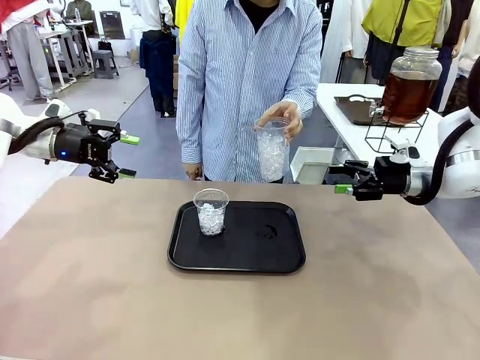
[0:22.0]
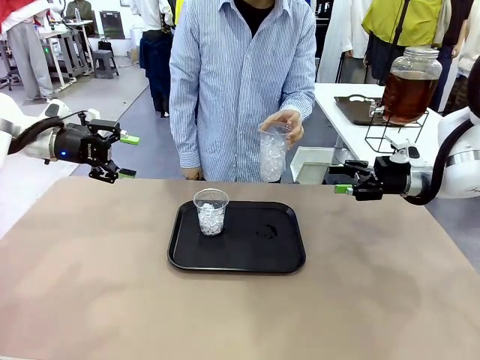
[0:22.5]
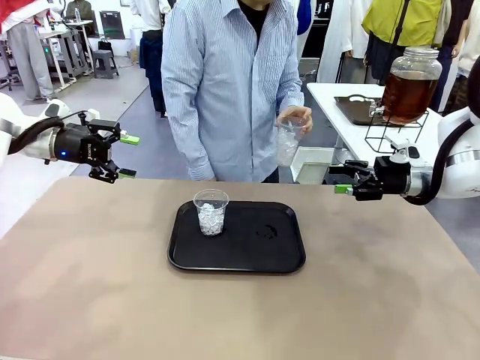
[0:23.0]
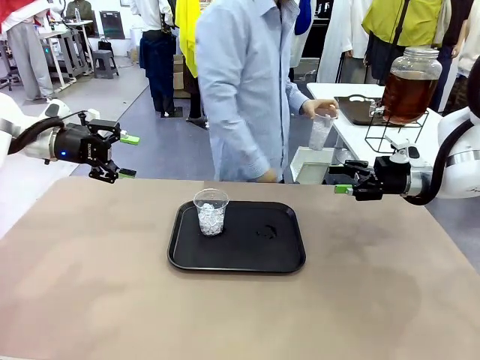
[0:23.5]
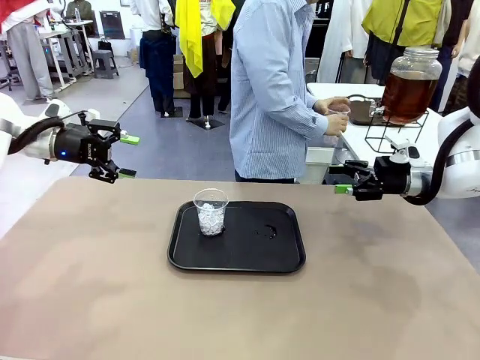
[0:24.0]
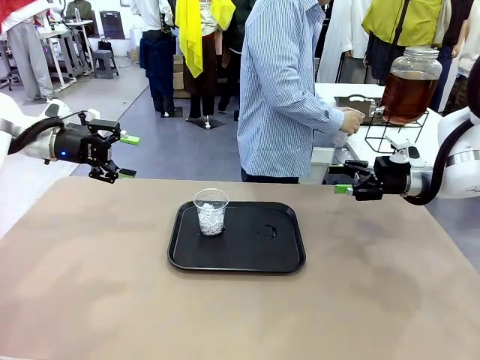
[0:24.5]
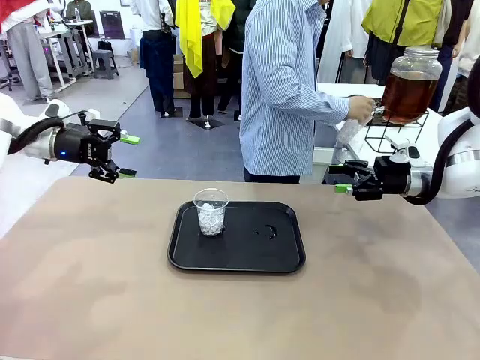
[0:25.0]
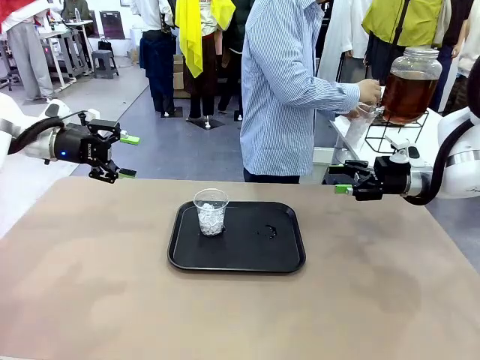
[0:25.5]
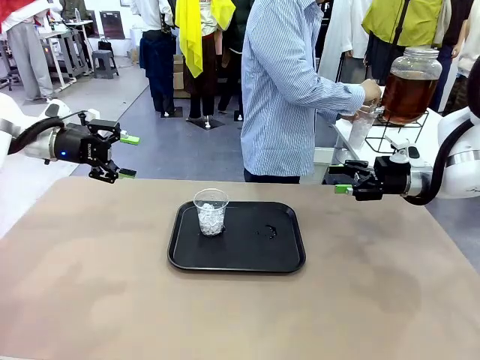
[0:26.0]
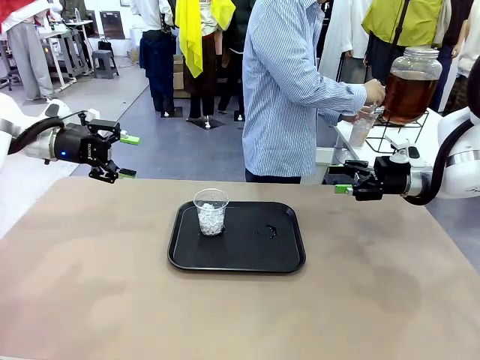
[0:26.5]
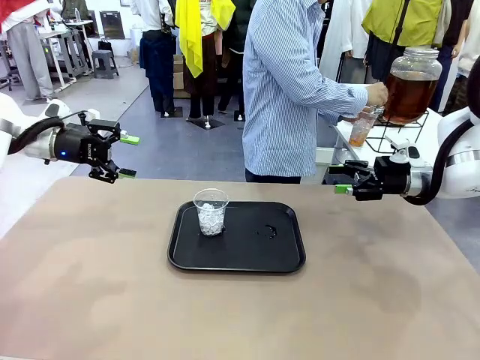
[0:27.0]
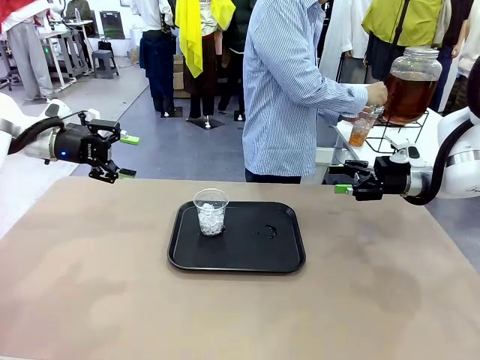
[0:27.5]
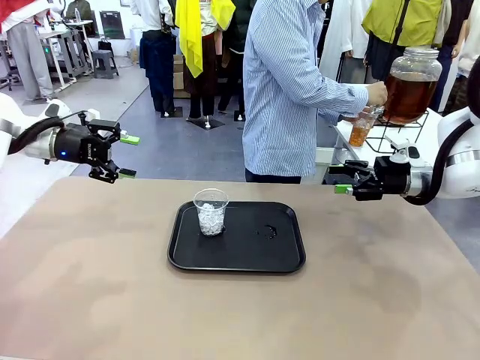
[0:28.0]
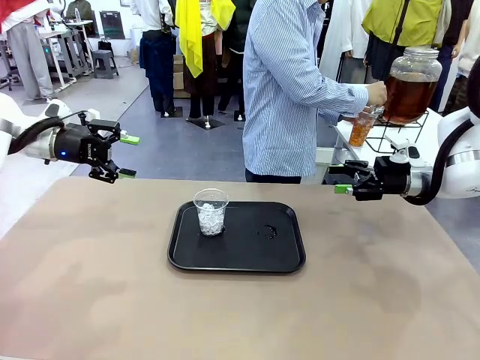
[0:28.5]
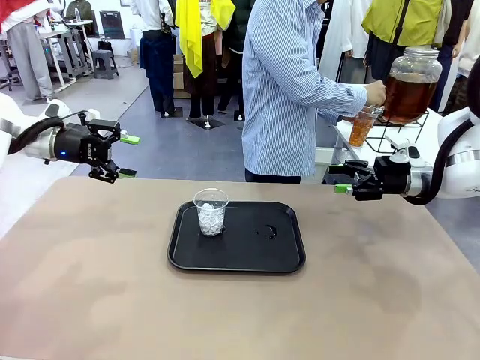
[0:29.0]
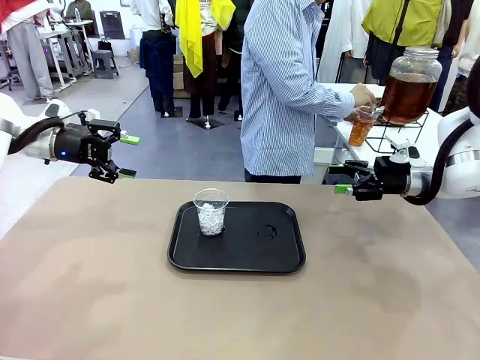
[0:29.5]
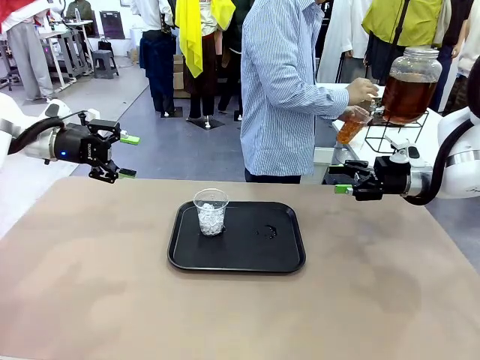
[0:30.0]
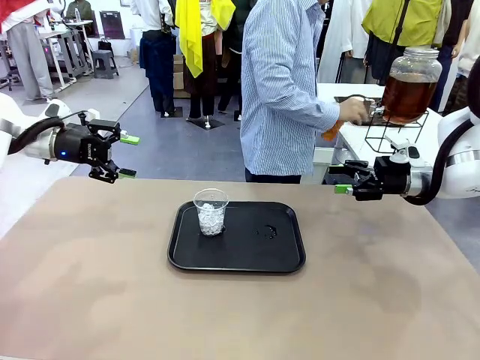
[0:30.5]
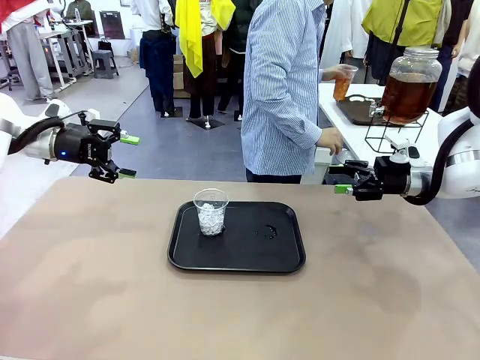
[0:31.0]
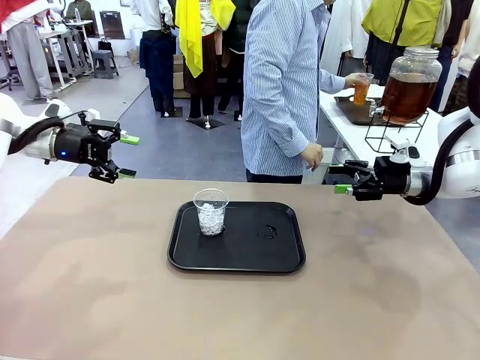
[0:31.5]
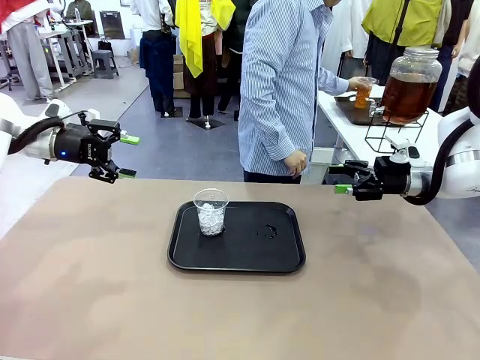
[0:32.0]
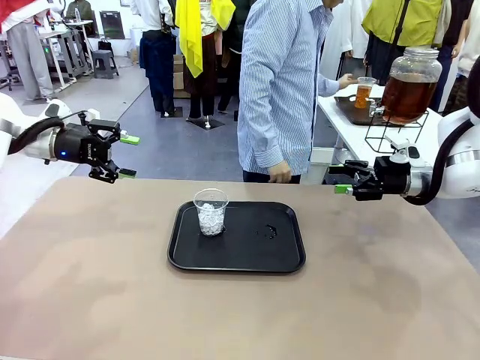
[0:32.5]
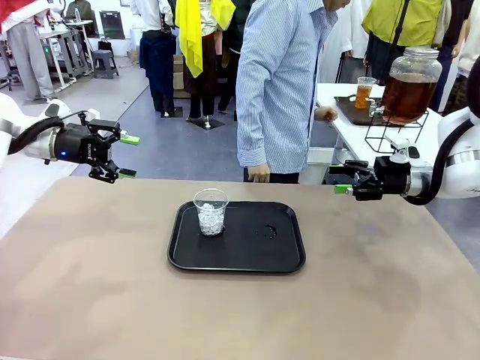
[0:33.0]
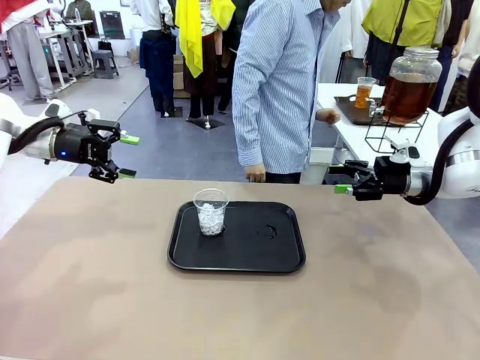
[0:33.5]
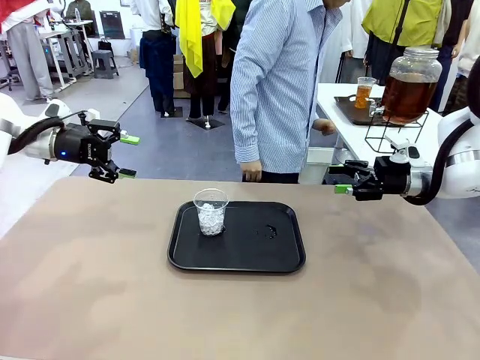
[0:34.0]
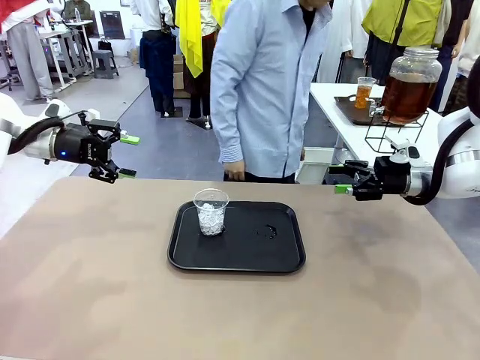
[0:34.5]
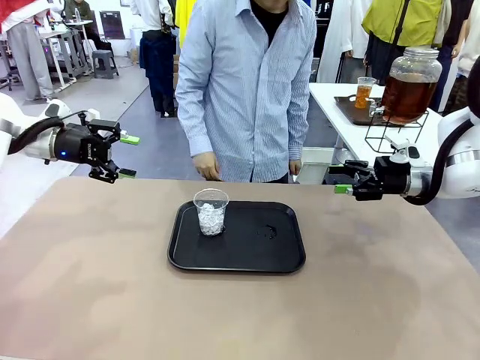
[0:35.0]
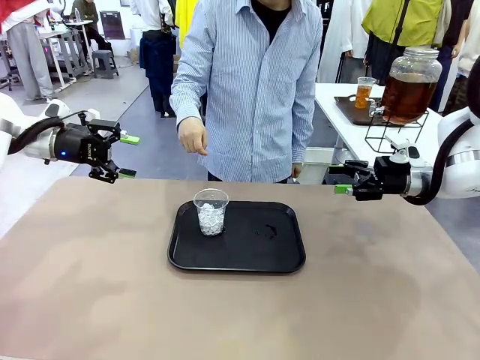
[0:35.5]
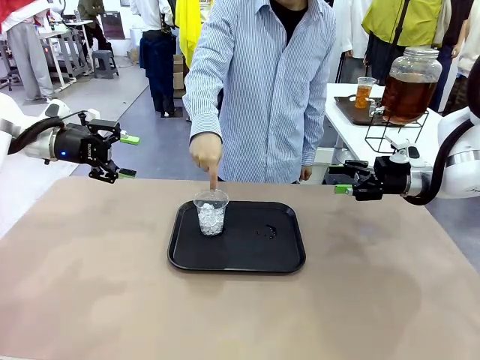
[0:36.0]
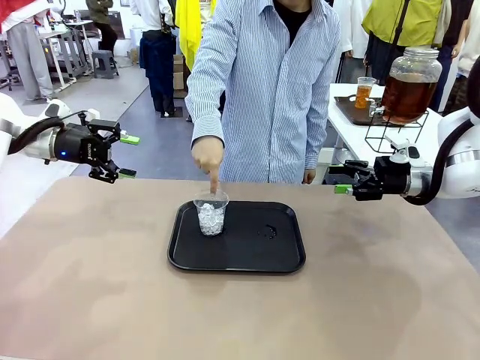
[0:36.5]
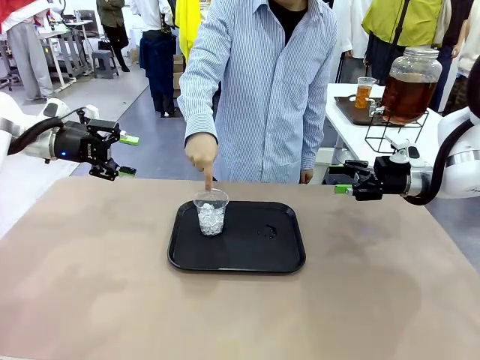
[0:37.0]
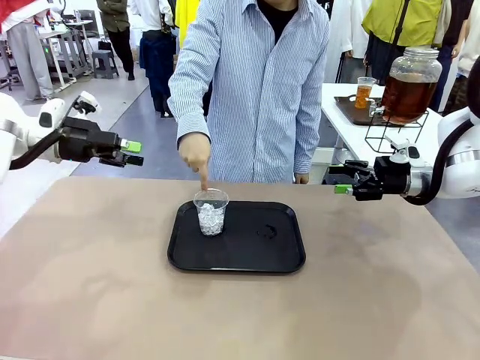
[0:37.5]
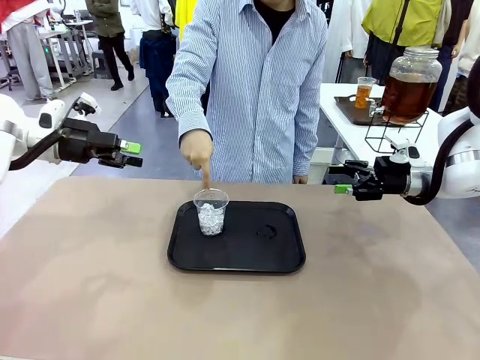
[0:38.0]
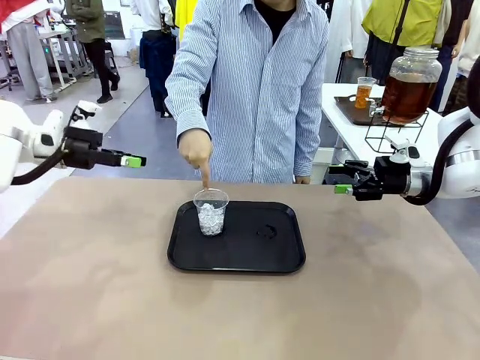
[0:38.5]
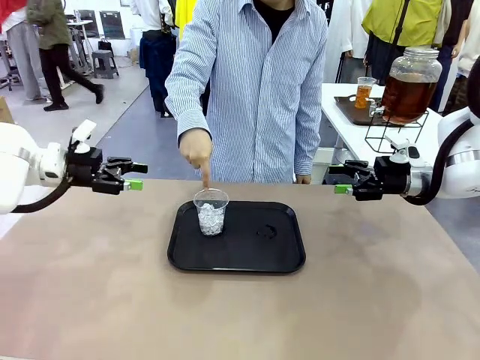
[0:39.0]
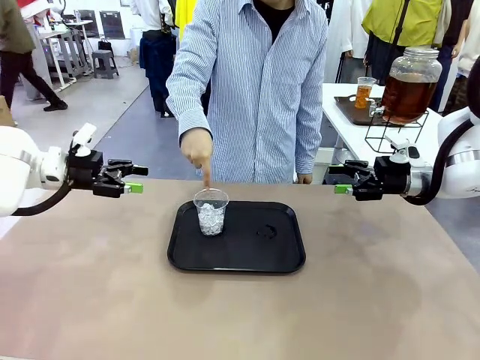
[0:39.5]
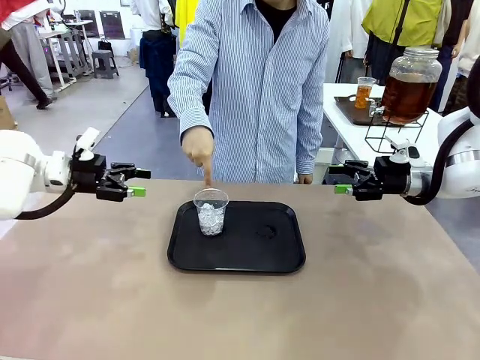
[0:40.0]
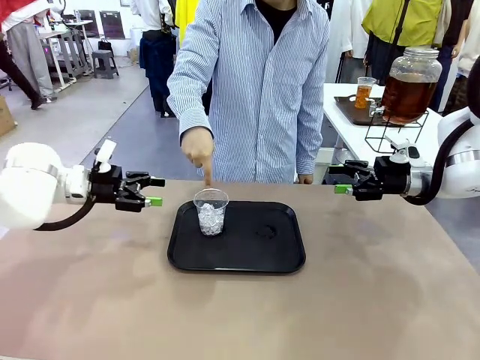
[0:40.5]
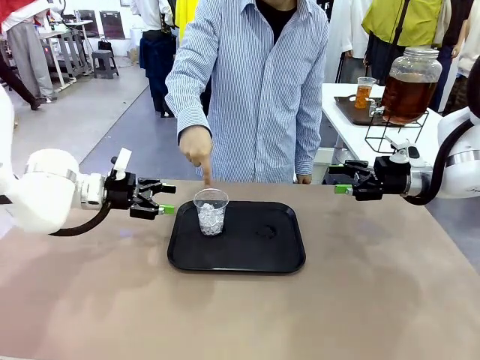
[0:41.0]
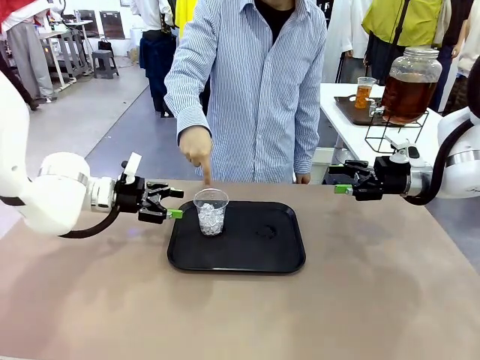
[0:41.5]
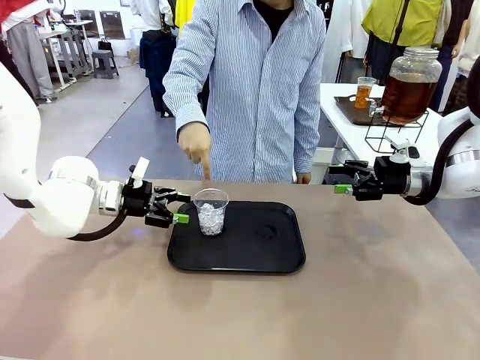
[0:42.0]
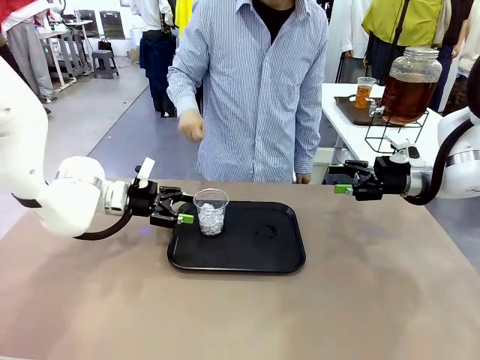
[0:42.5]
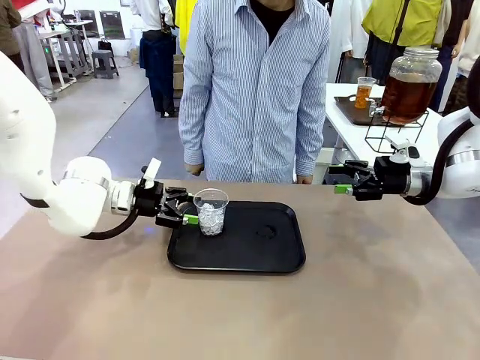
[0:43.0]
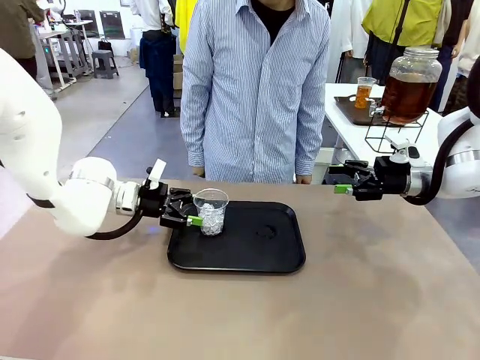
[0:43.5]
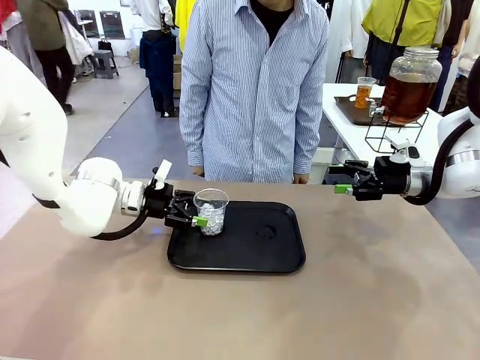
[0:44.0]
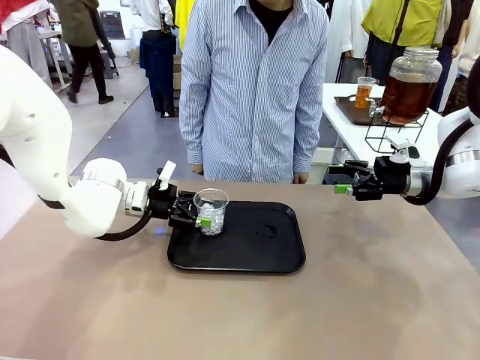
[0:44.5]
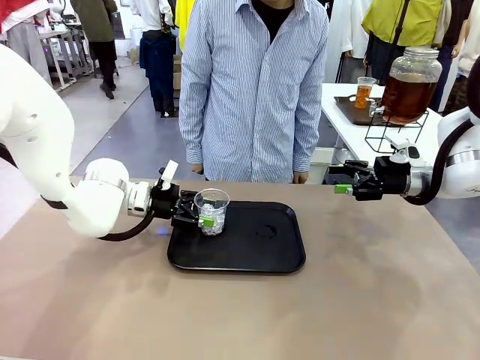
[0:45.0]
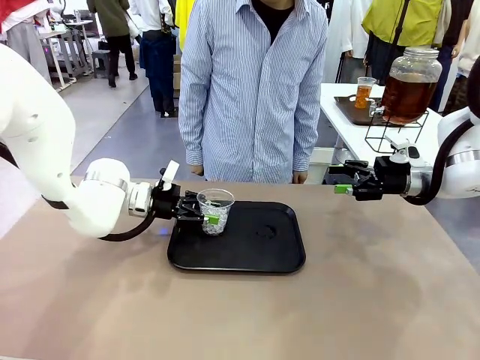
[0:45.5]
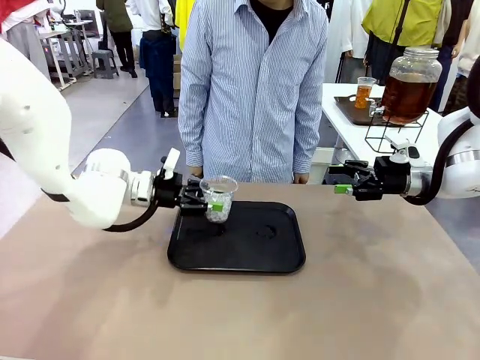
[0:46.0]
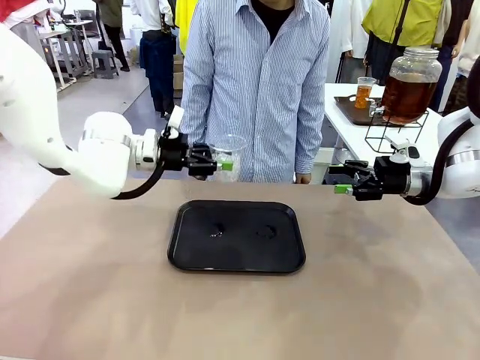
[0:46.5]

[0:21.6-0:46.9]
Task: Pour the drink into the iced cup.
Robot: Pick up the iced cup indicated by the human and present it to them.
Person: Move the picked-up cup under the dispenser faucet, pour the drink, and place it on the tray on the human table. Point to the remaining ice cup on the robot table. Pick up the cup offered by the robot.

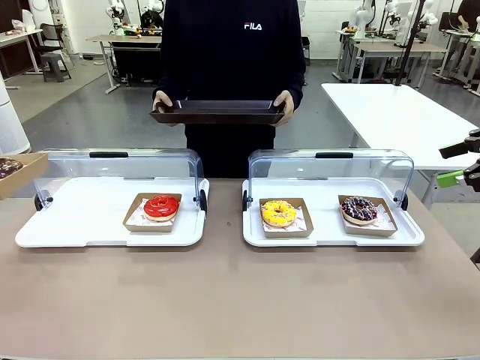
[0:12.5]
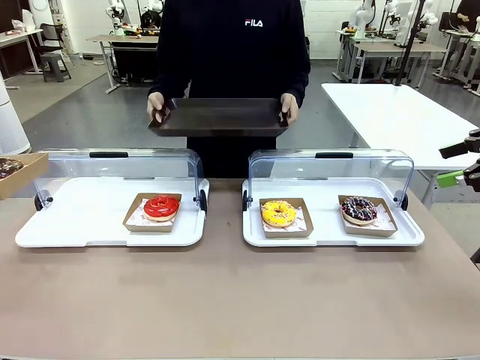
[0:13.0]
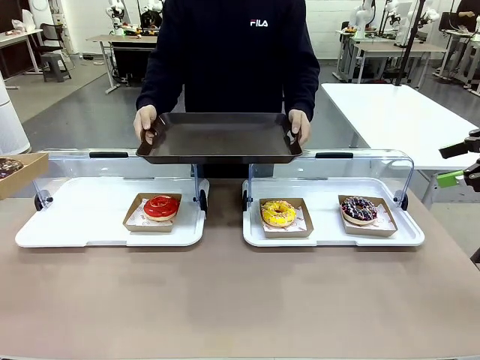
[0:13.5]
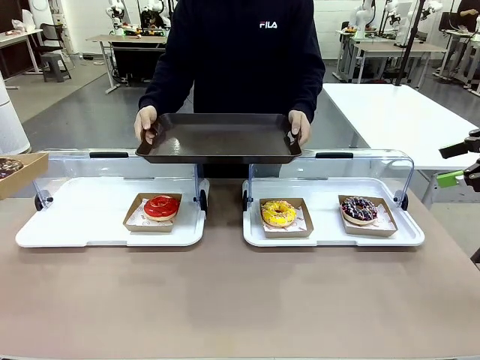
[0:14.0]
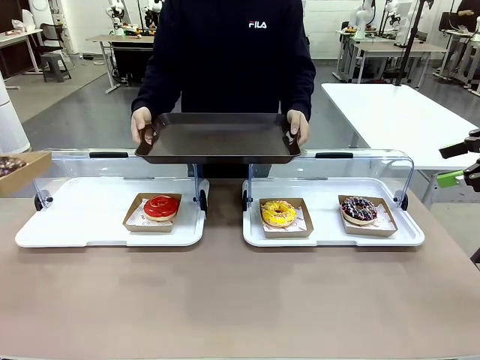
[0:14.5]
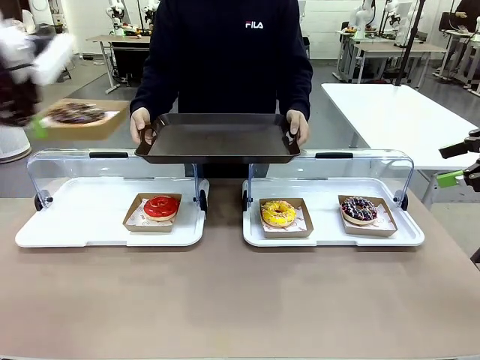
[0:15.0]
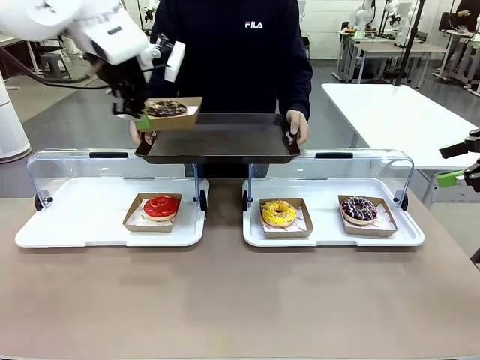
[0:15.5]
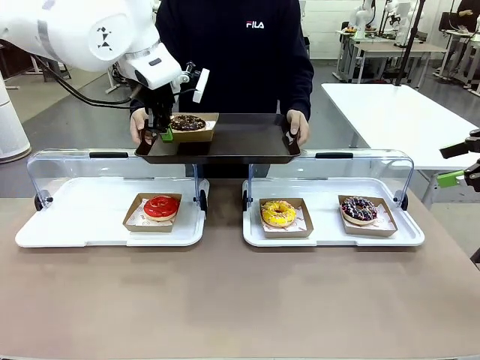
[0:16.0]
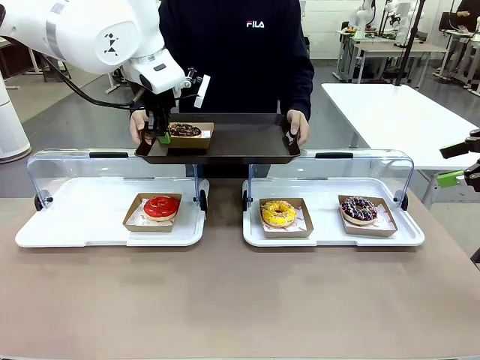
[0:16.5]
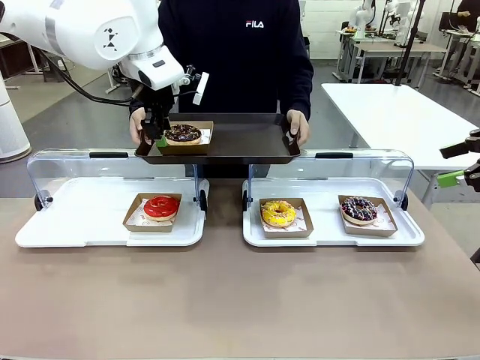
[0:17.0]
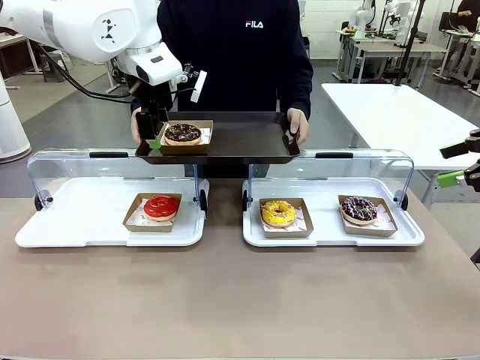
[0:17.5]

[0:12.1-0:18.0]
Task: Provide the desired donut to the person.
Robot: Place the picked Paper togo box onto the Handle tray extended by the person.
